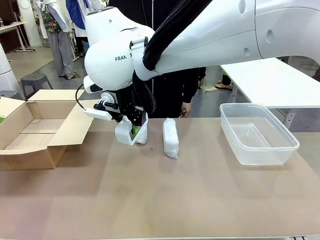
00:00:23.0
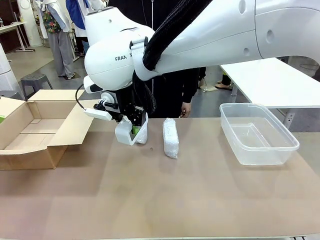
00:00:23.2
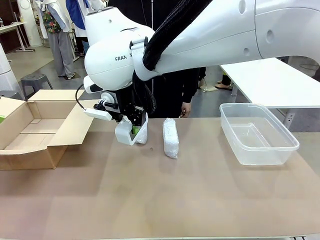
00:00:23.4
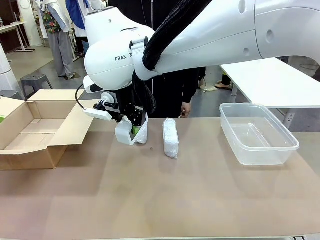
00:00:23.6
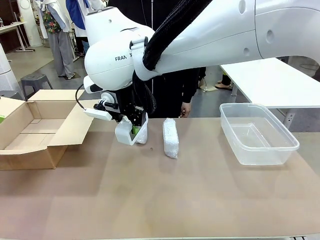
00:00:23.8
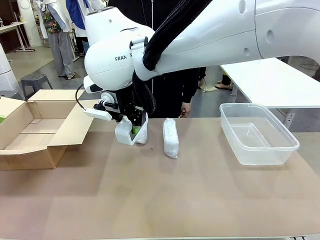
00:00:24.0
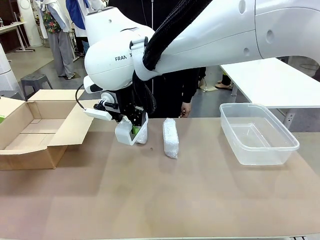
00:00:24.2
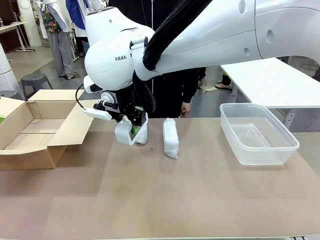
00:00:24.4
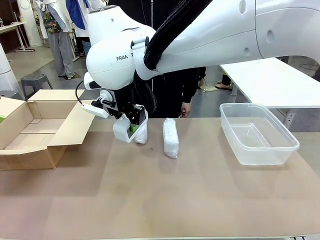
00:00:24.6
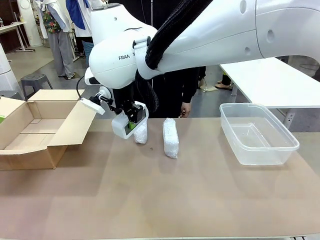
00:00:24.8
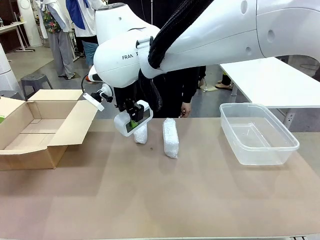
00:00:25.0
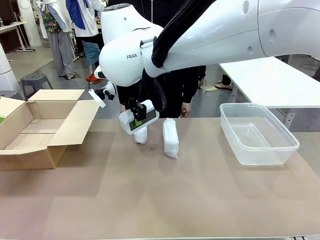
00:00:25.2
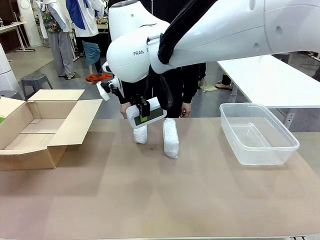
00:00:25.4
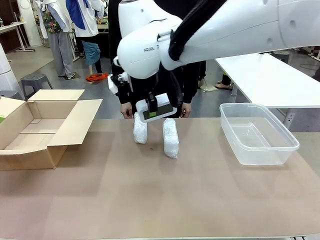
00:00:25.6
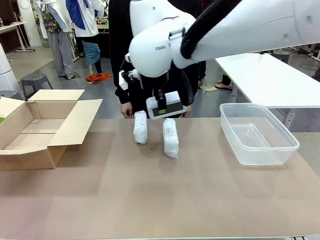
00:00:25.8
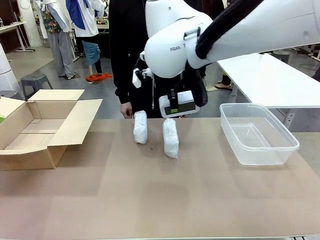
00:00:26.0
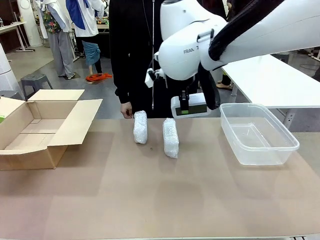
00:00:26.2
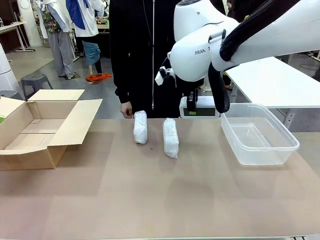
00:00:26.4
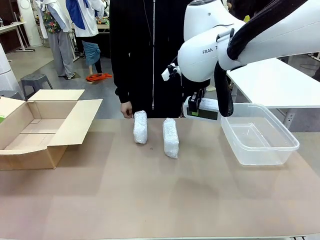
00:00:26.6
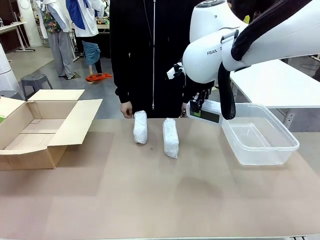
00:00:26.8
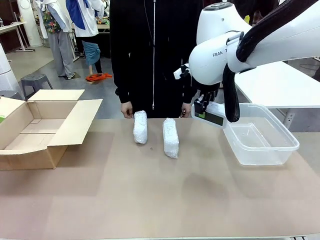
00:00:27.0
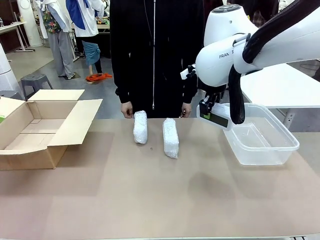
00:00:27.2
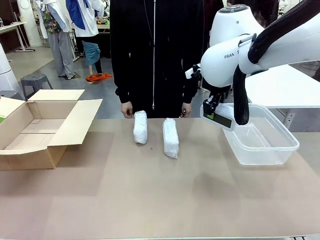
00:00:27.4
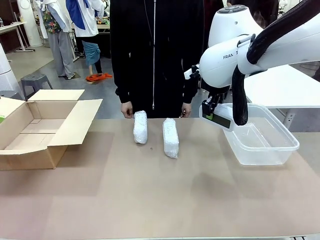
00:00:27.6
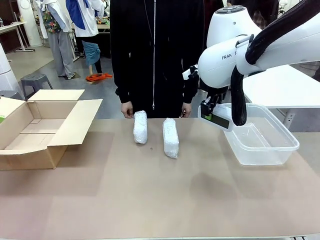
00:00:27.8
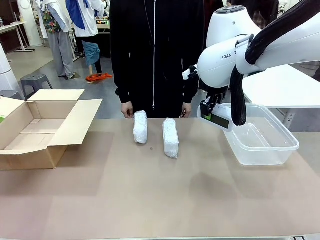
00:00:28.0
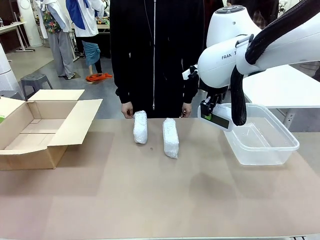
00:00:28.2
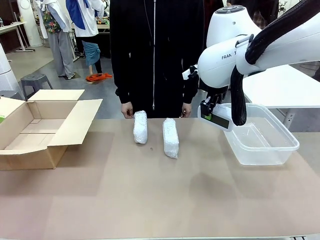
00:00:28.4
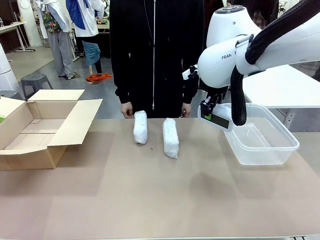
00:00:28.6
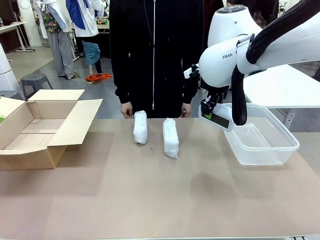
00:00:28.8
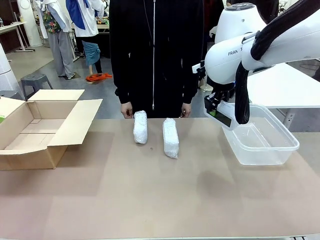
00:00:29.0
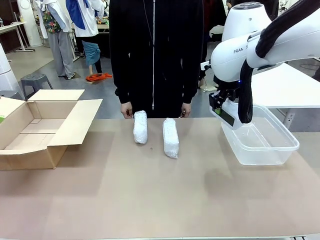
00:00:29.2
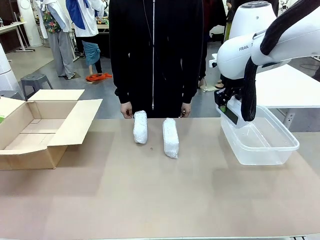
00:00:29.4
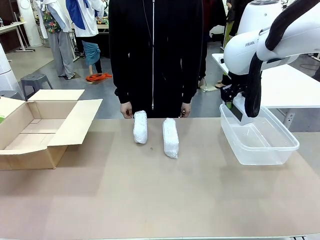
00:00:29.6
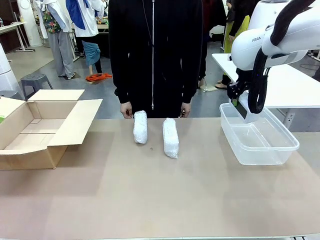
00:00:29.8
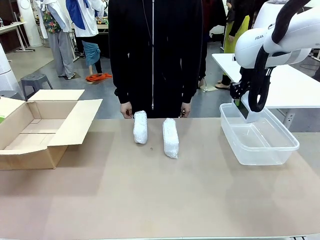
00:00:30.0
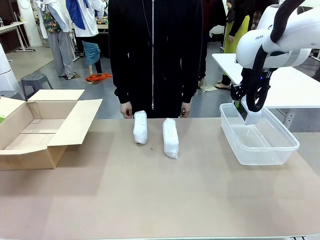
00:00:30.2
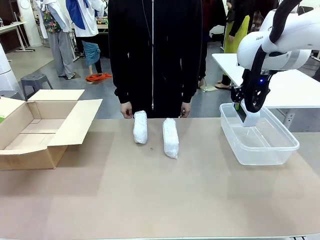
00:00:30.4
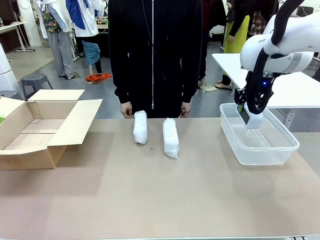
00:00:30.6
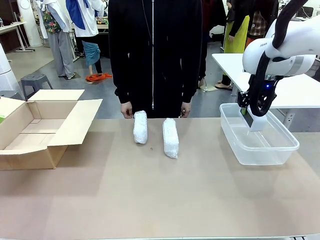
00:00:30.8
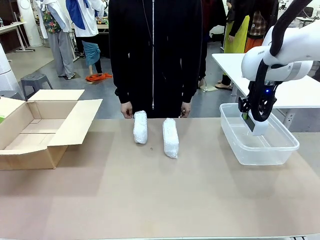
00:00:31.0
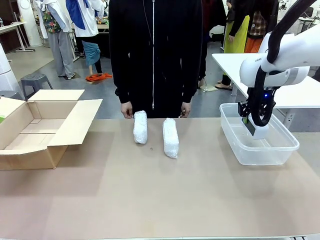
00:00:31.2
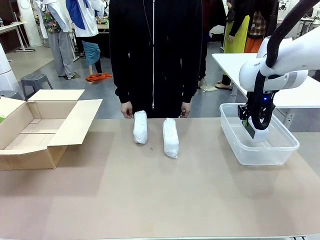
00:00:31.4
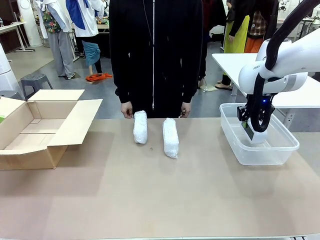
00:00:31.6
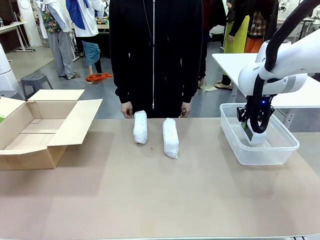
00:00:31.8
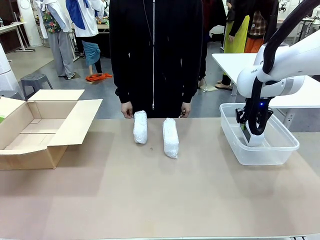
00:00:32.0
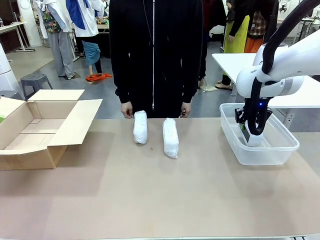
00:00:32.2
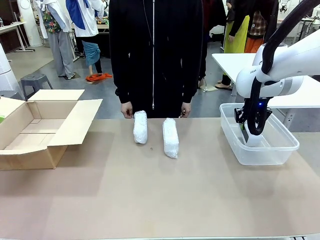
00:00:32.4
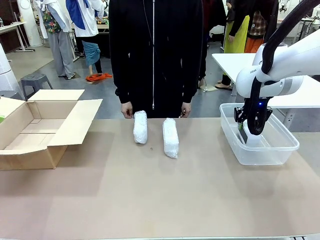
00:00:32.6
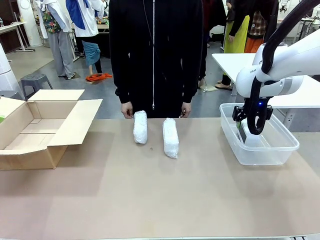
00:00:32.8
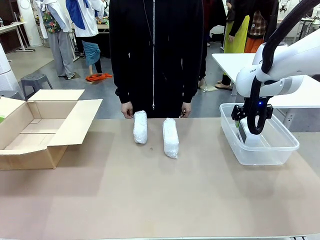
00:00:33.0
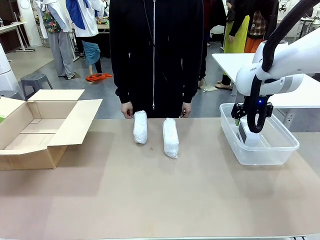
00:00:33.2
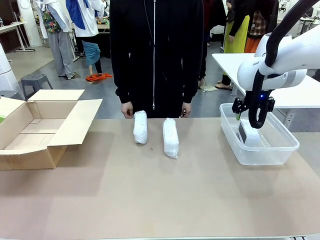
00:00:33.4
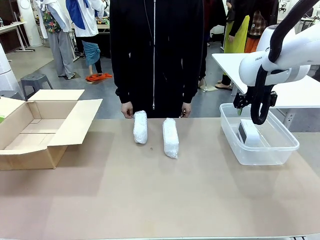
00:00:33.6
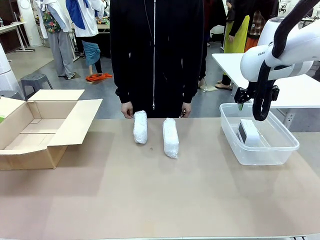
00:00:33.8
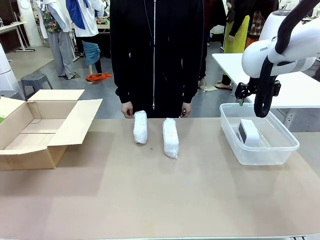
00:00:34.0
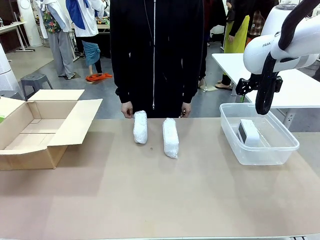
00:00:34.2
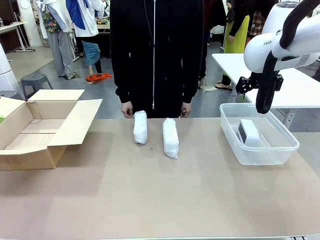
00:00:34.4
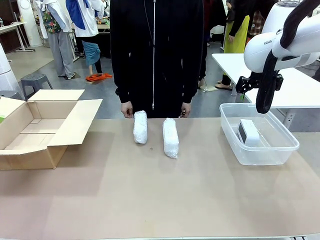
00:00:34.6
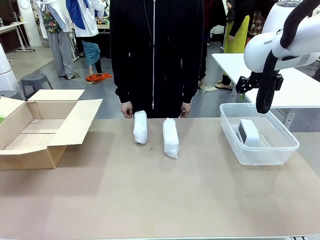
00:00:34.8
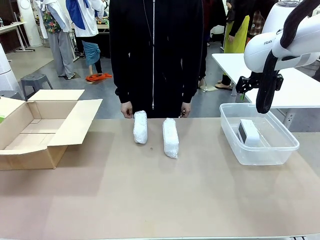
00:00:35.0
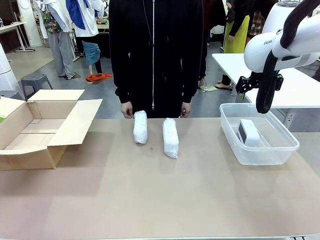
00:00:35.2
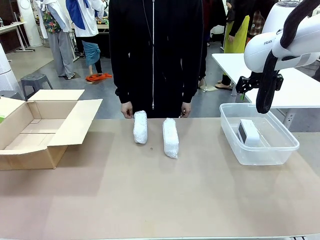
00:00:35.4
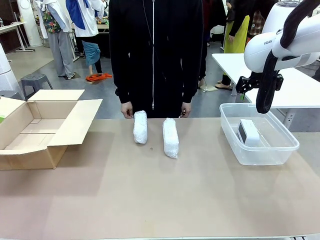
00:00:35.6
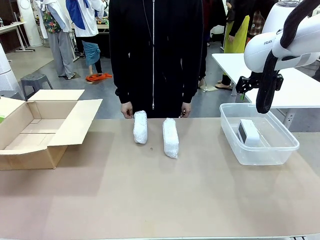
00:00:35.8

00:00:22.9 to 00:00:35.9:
Task: Separate and place wrapped and unwrapped clocks.
Robot: If the picked Digital clock is wrapped, place it in the Package Box ; if not, place it in the Organizing box.
